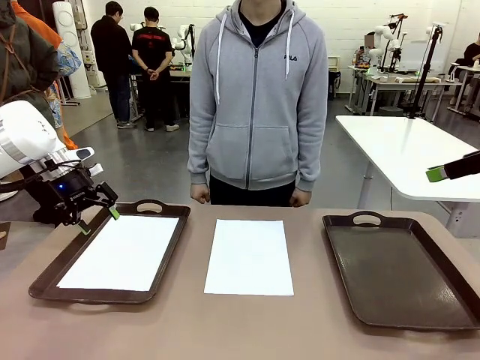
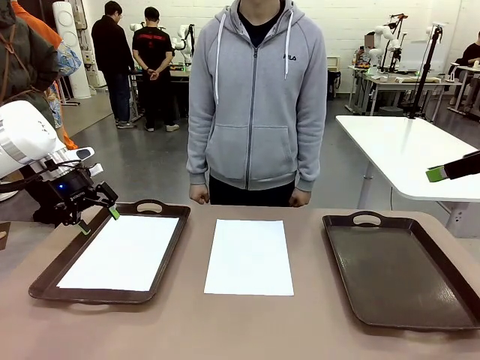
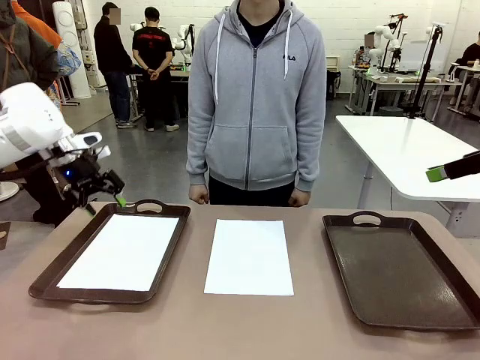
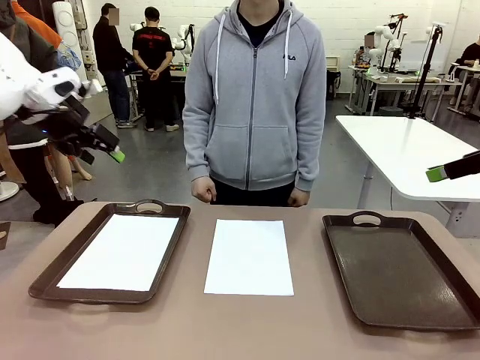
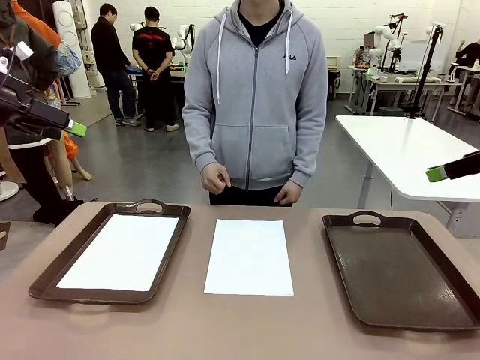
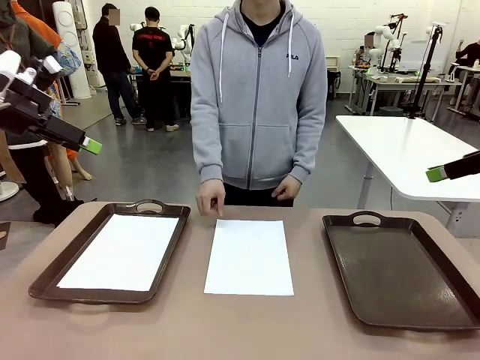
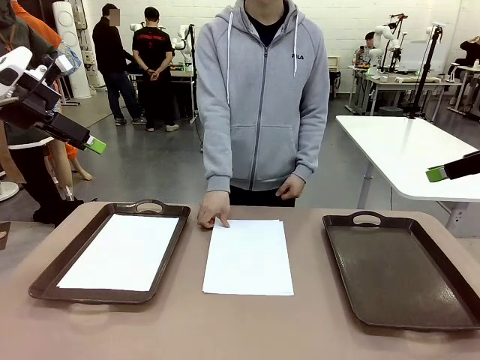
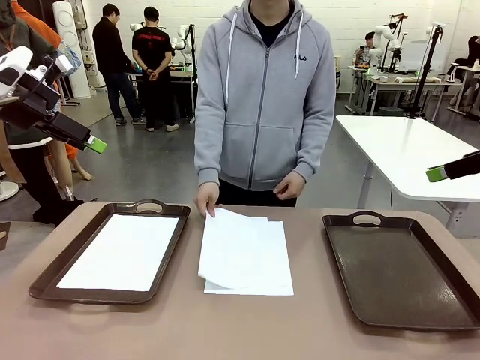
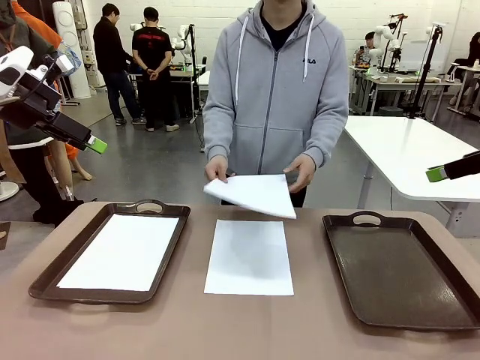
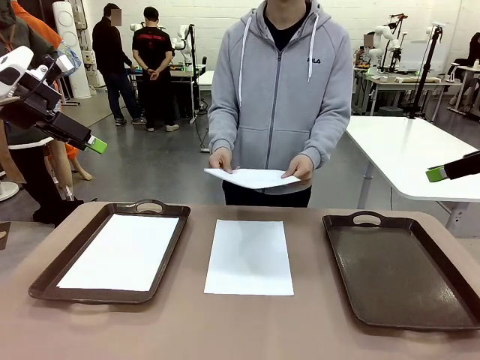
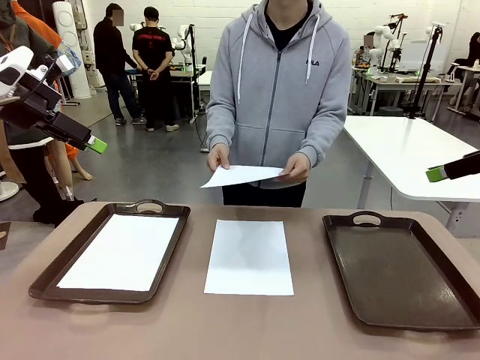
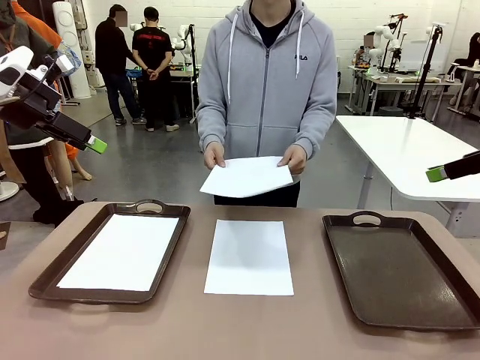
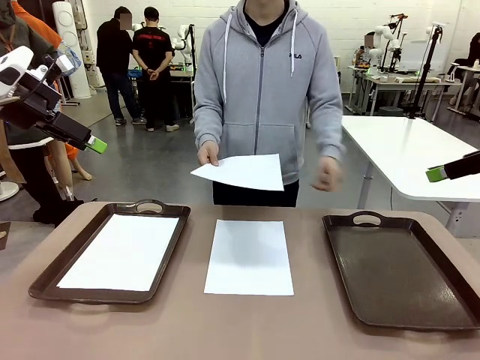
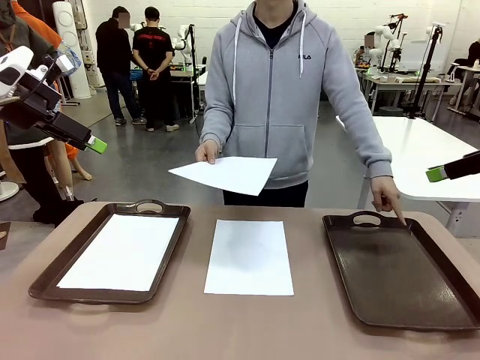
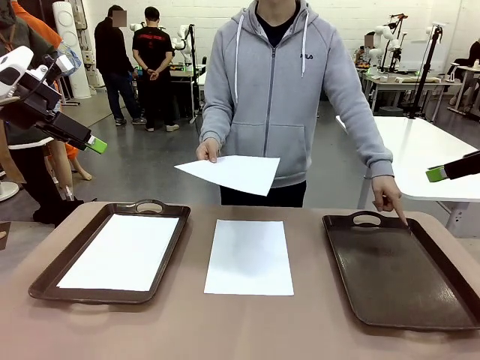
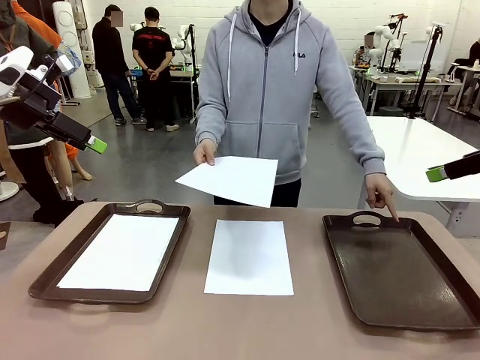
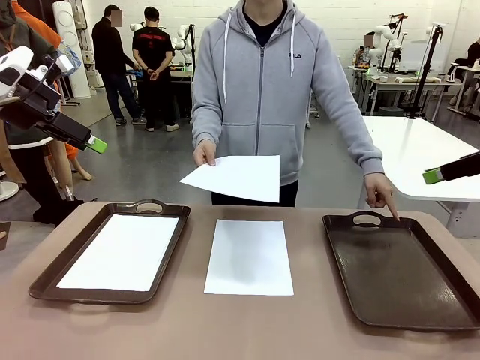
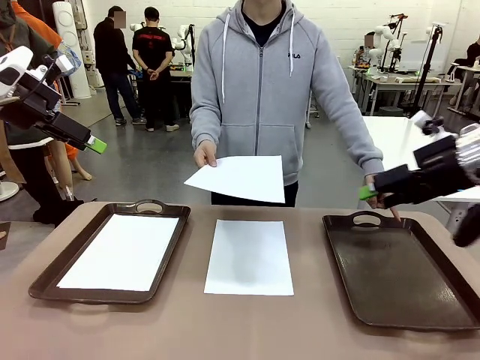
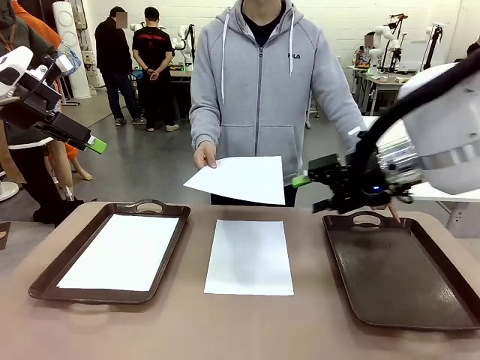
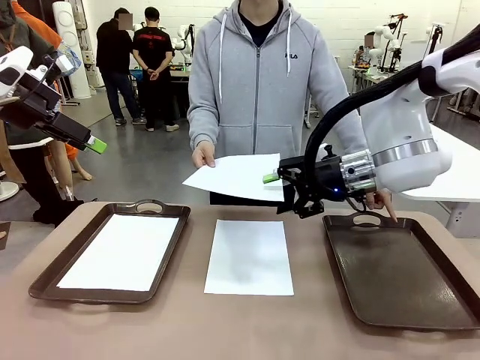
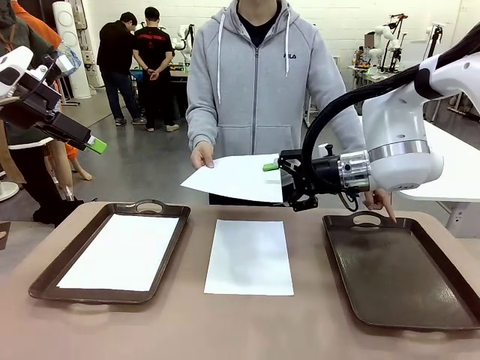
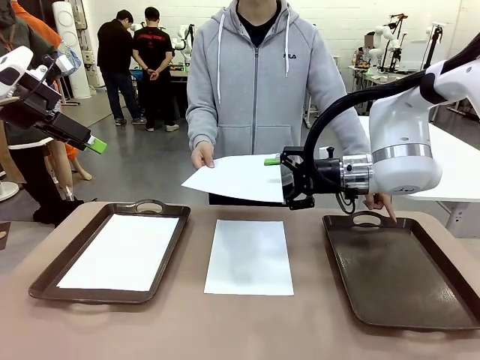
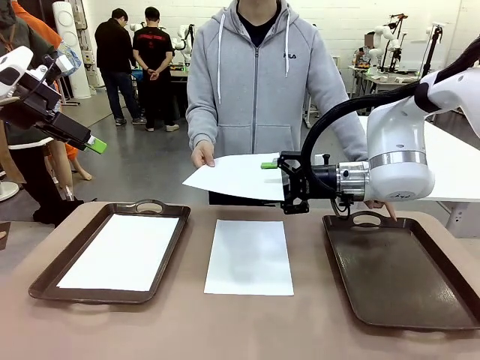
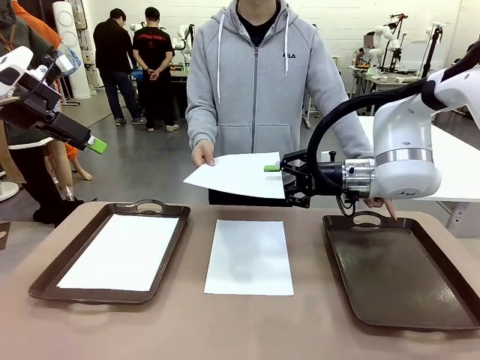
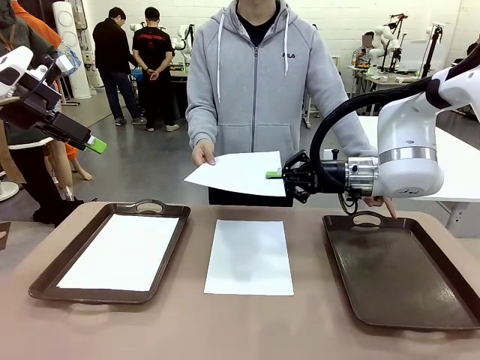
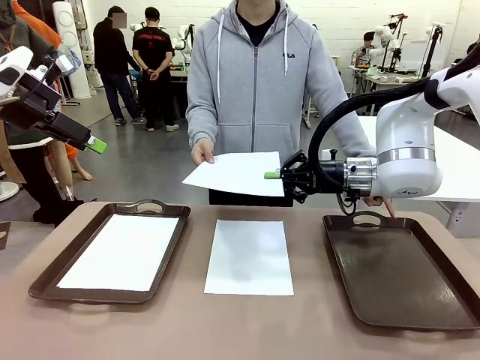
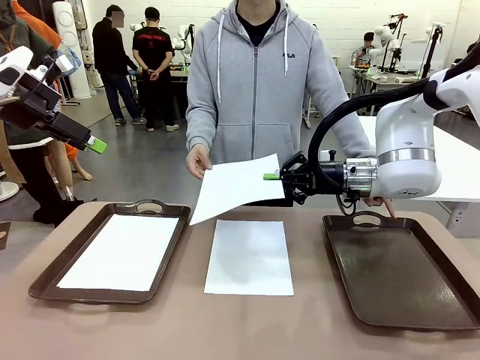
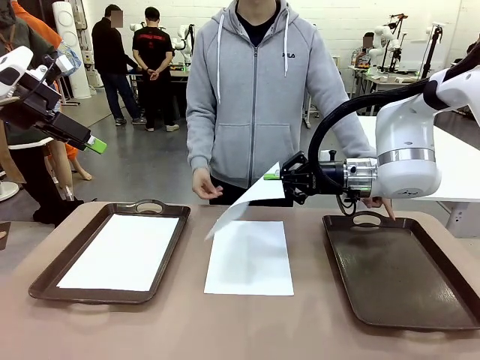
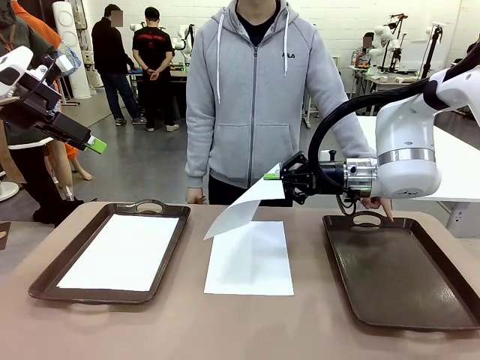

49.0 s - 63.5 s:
Task: Sort the A4 documents.
Robot: Receive the A4 Paper.
Person: Point the randomly selected tray with the other hand.

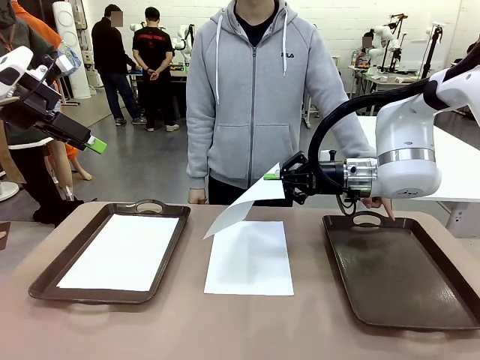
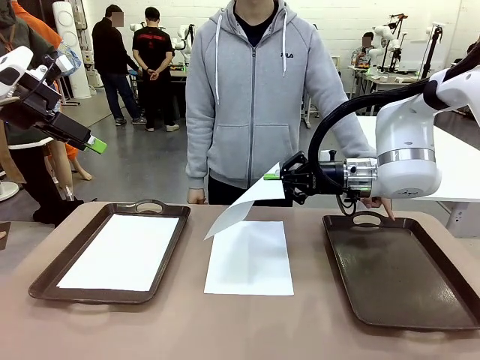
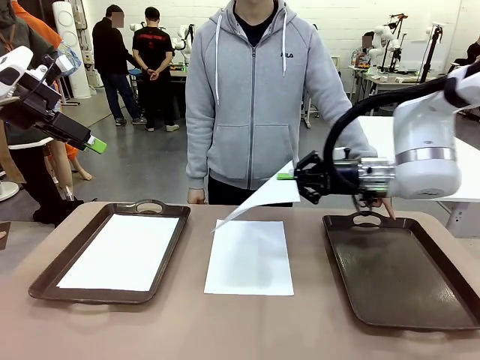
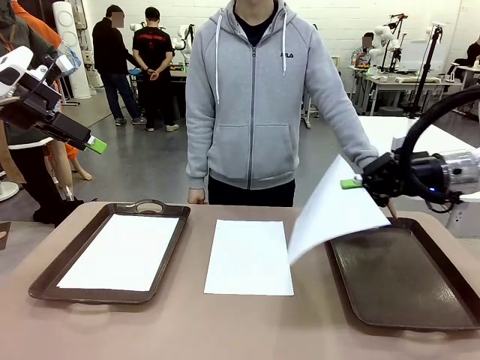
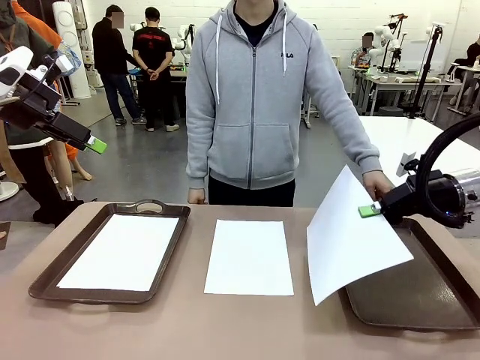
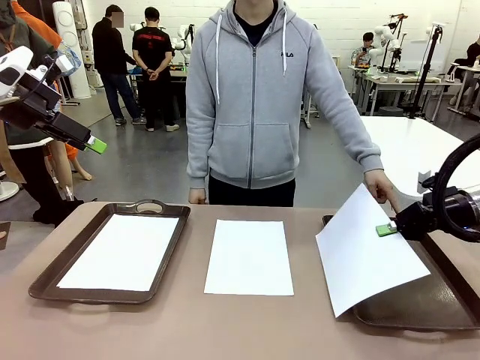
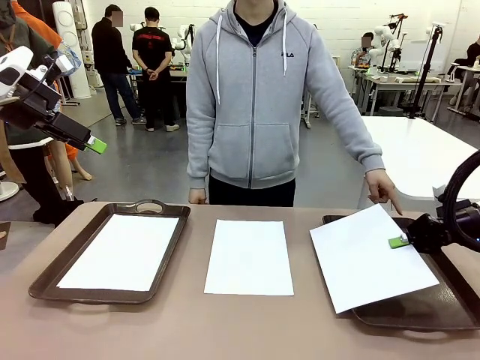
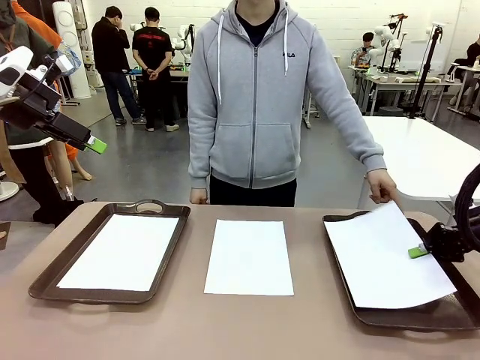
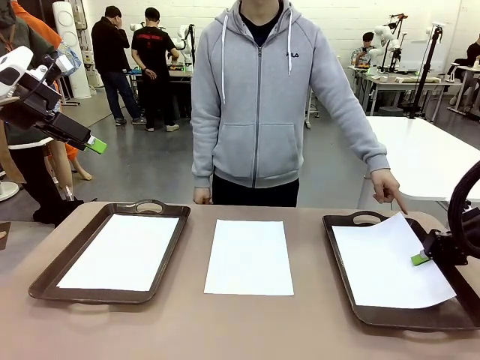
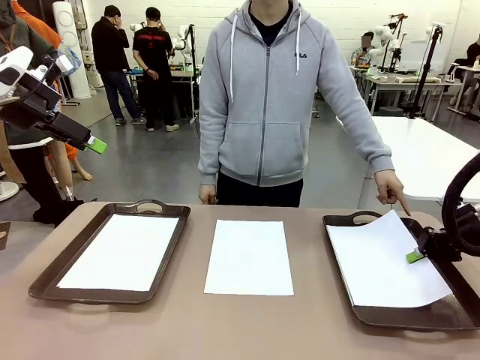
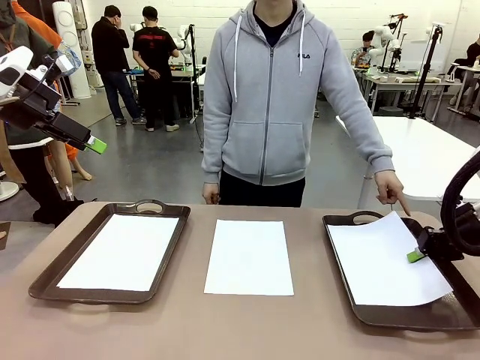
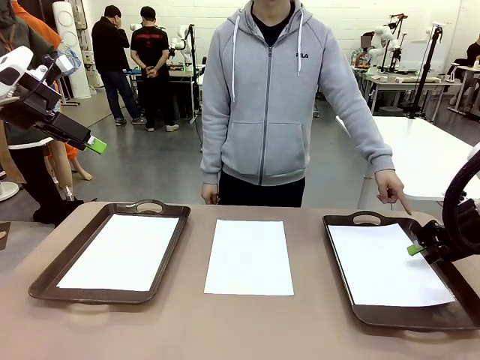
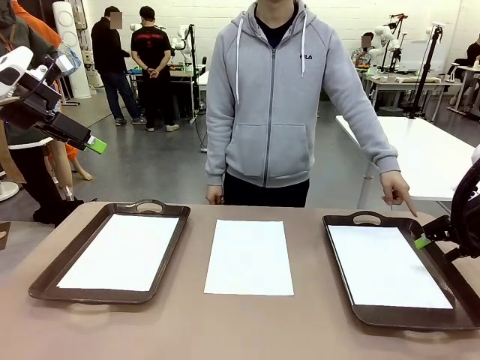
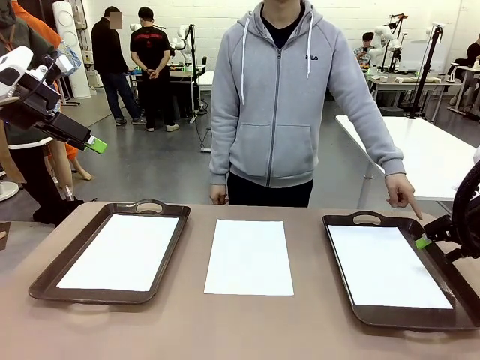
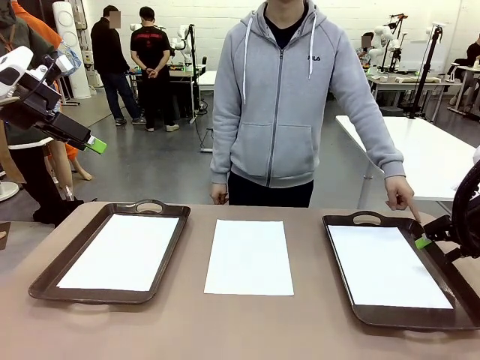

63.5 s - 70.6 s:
Robot: Place the A4 Paper in the designated Handle tray.
